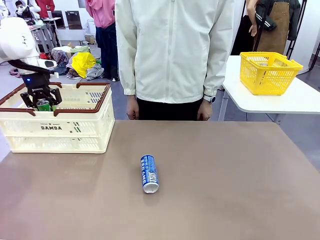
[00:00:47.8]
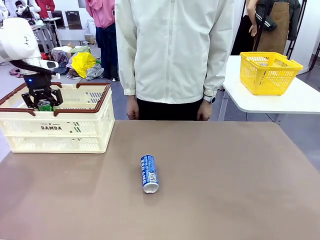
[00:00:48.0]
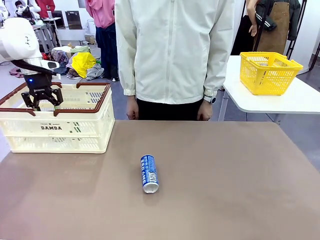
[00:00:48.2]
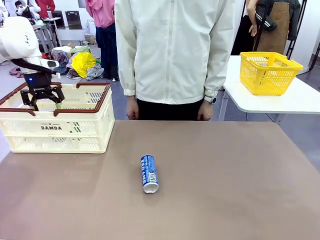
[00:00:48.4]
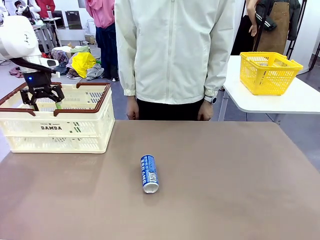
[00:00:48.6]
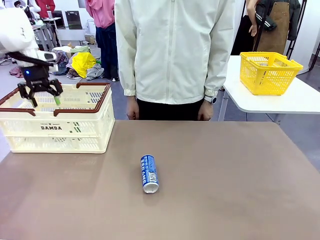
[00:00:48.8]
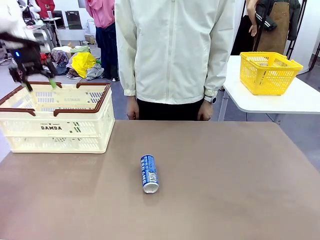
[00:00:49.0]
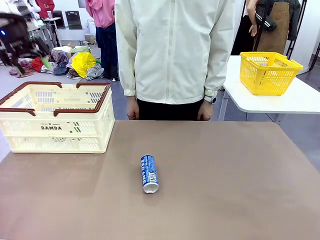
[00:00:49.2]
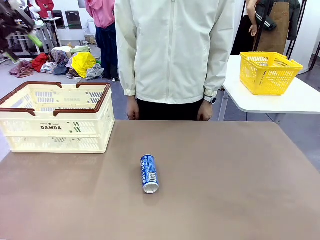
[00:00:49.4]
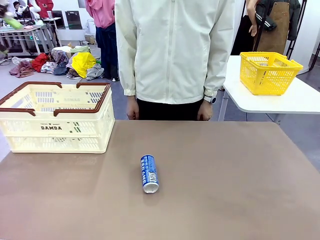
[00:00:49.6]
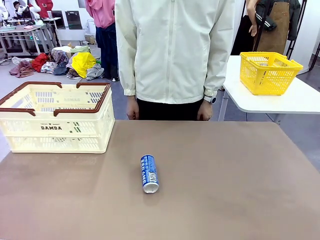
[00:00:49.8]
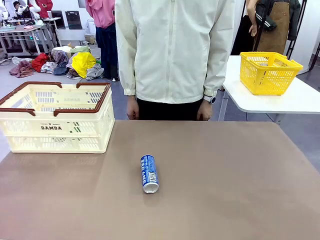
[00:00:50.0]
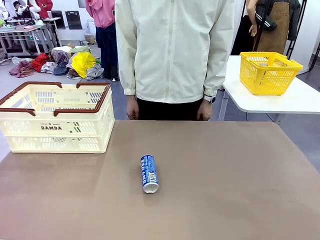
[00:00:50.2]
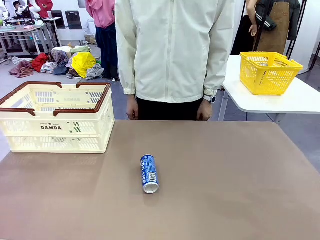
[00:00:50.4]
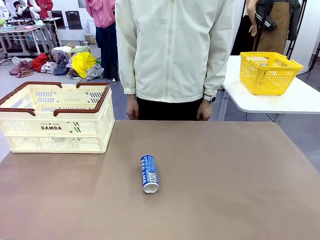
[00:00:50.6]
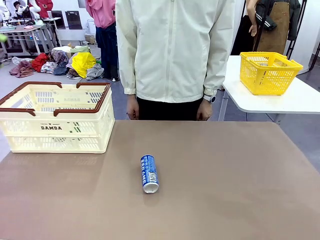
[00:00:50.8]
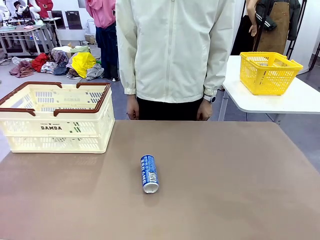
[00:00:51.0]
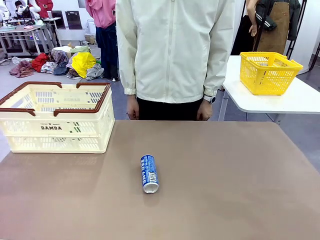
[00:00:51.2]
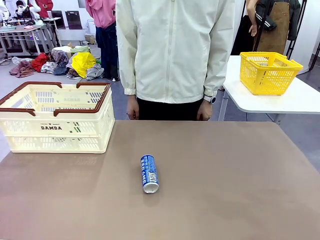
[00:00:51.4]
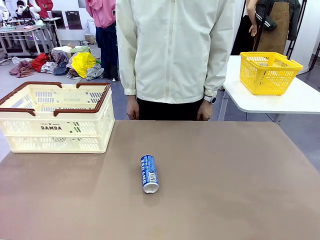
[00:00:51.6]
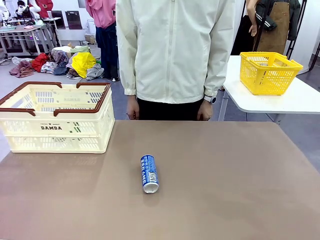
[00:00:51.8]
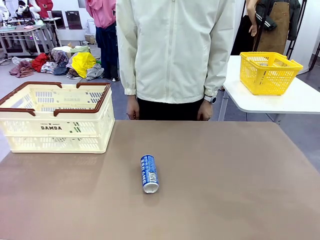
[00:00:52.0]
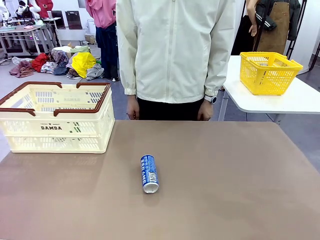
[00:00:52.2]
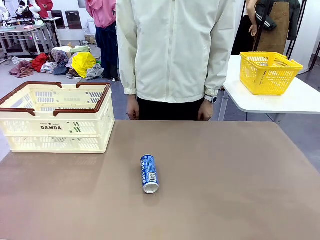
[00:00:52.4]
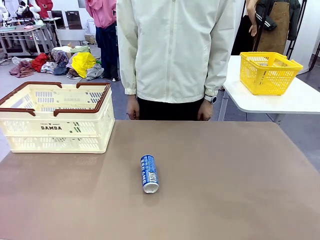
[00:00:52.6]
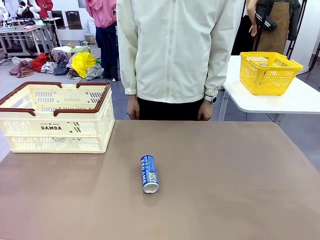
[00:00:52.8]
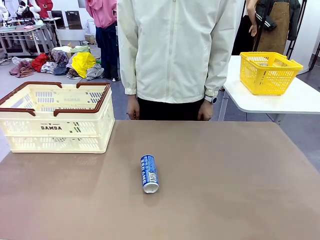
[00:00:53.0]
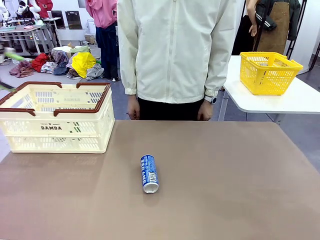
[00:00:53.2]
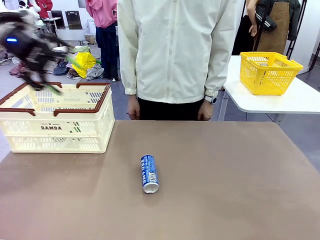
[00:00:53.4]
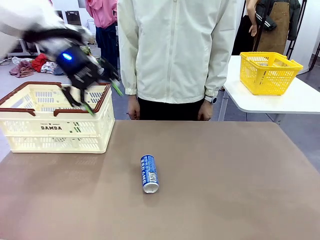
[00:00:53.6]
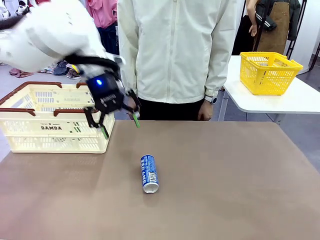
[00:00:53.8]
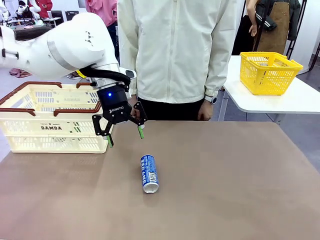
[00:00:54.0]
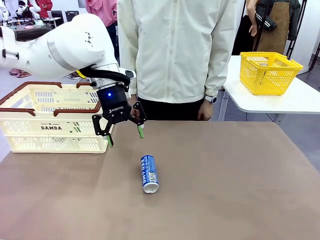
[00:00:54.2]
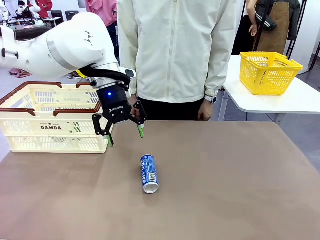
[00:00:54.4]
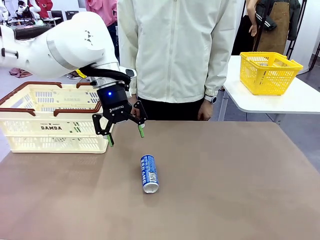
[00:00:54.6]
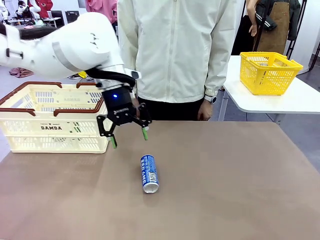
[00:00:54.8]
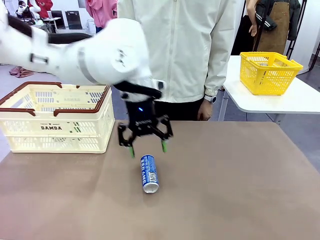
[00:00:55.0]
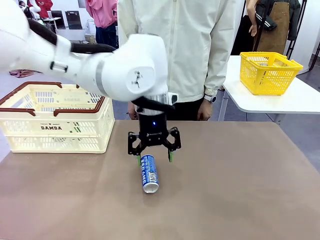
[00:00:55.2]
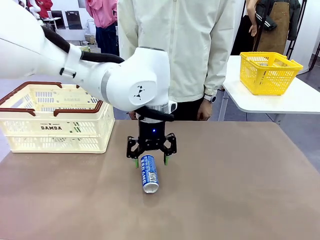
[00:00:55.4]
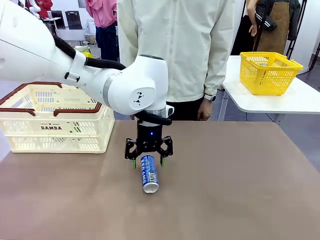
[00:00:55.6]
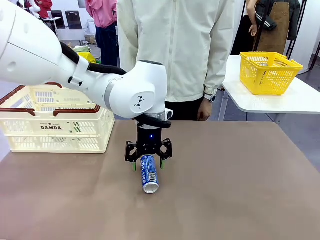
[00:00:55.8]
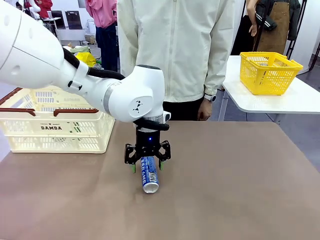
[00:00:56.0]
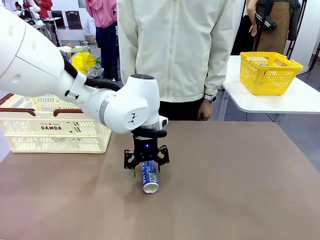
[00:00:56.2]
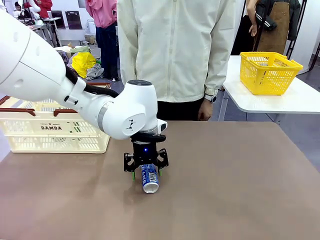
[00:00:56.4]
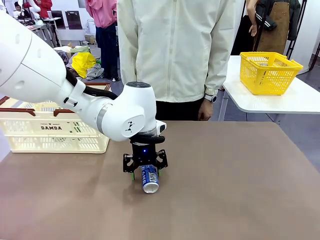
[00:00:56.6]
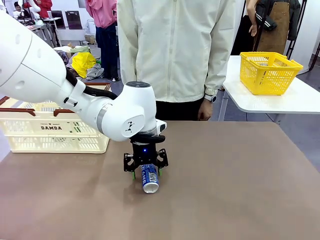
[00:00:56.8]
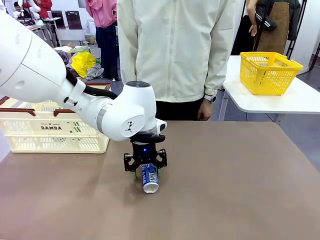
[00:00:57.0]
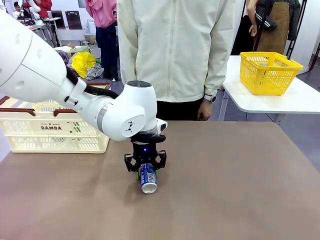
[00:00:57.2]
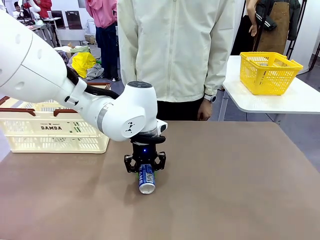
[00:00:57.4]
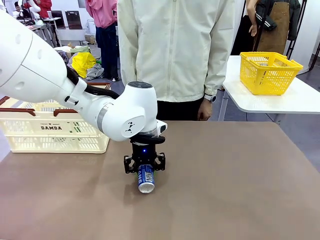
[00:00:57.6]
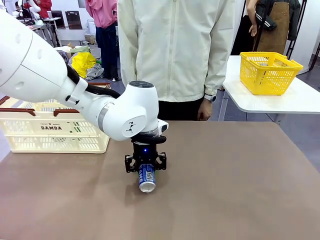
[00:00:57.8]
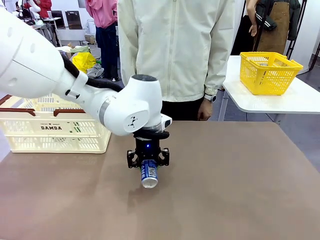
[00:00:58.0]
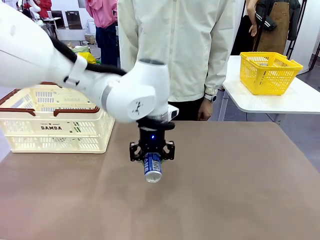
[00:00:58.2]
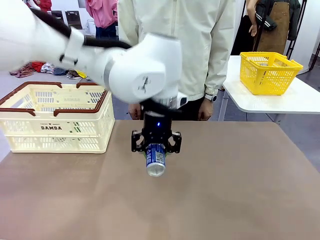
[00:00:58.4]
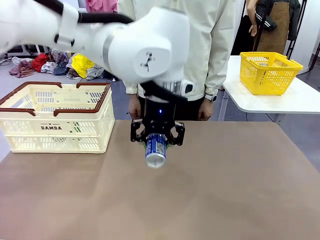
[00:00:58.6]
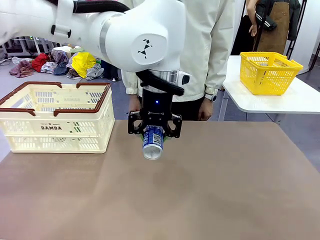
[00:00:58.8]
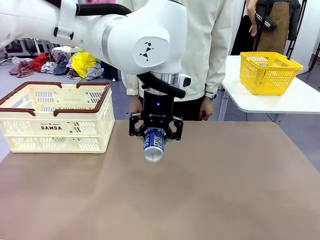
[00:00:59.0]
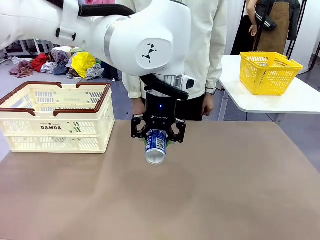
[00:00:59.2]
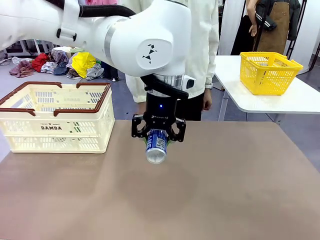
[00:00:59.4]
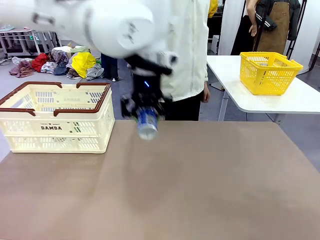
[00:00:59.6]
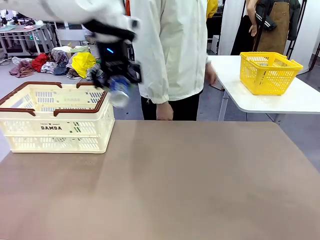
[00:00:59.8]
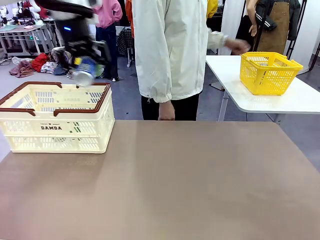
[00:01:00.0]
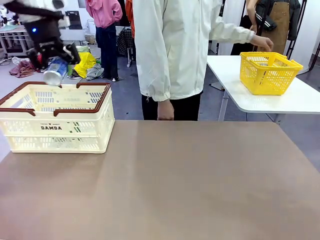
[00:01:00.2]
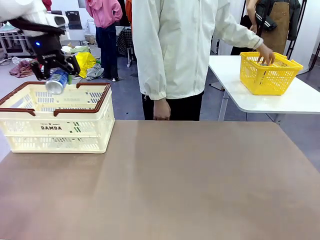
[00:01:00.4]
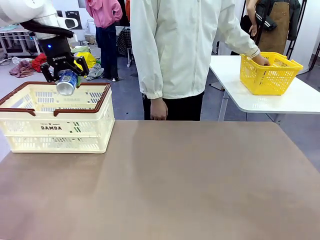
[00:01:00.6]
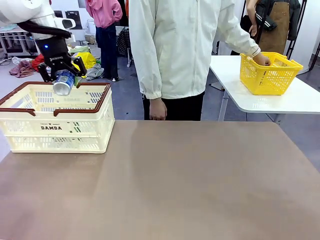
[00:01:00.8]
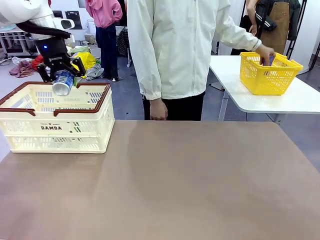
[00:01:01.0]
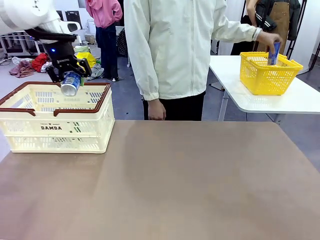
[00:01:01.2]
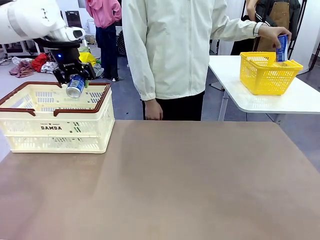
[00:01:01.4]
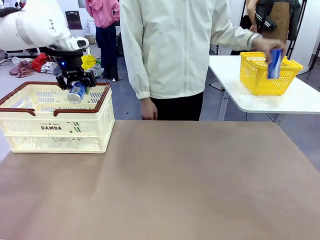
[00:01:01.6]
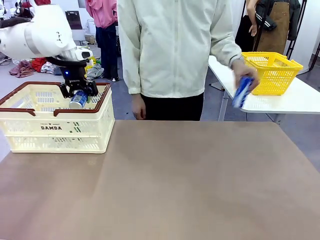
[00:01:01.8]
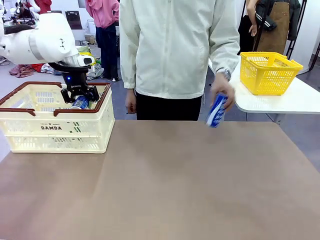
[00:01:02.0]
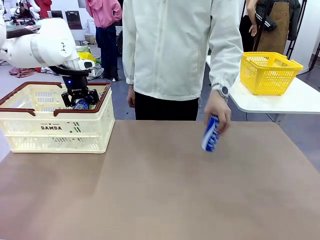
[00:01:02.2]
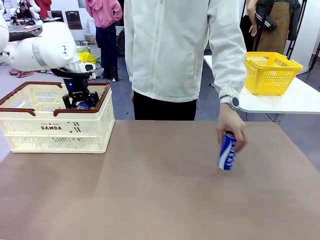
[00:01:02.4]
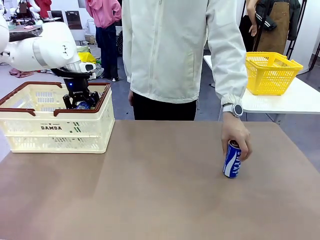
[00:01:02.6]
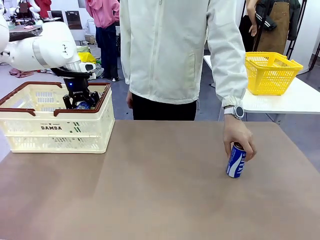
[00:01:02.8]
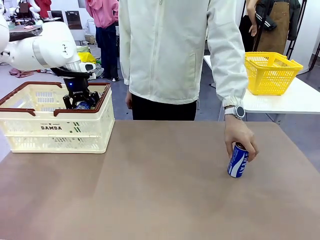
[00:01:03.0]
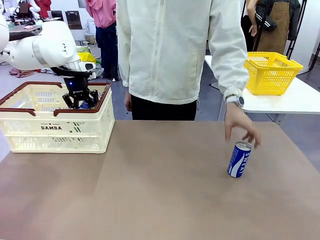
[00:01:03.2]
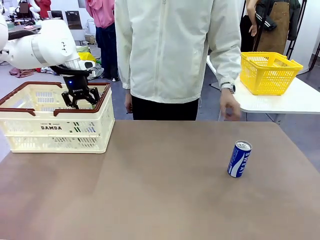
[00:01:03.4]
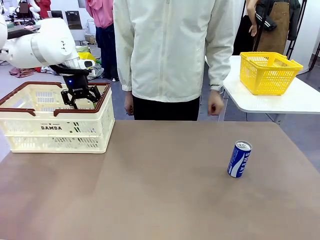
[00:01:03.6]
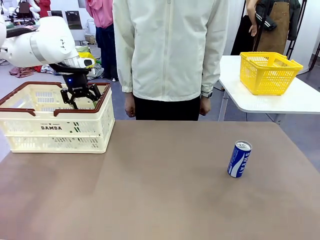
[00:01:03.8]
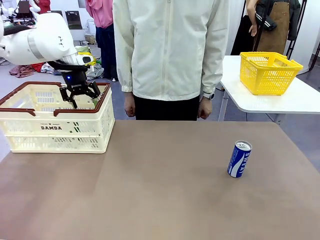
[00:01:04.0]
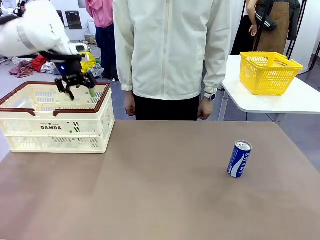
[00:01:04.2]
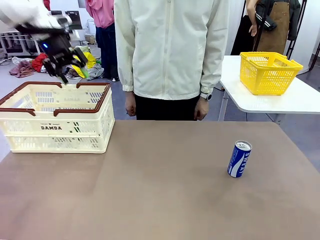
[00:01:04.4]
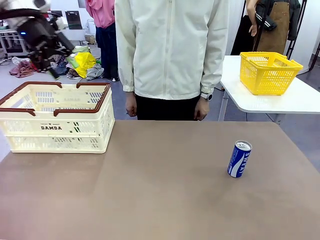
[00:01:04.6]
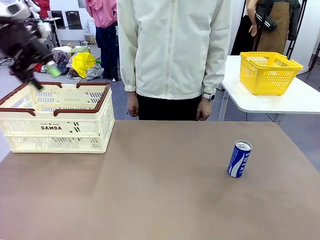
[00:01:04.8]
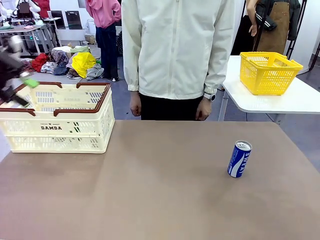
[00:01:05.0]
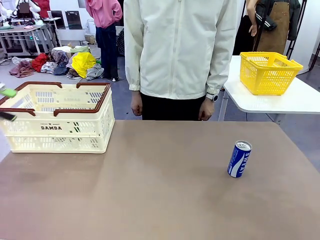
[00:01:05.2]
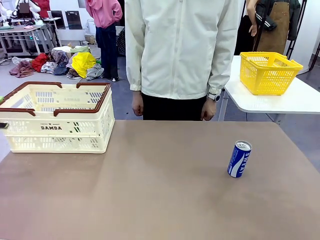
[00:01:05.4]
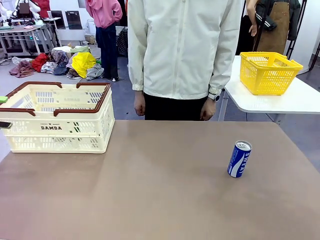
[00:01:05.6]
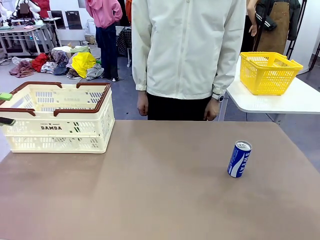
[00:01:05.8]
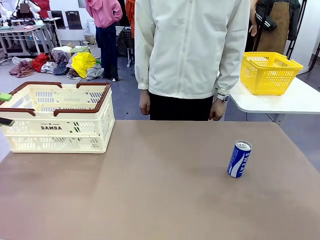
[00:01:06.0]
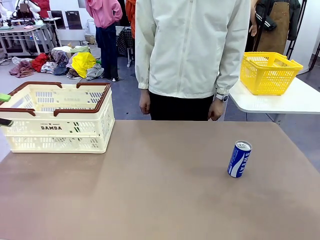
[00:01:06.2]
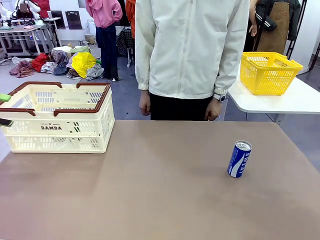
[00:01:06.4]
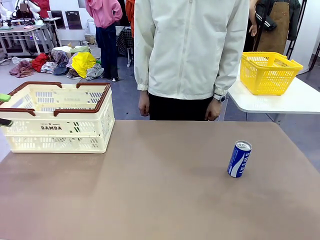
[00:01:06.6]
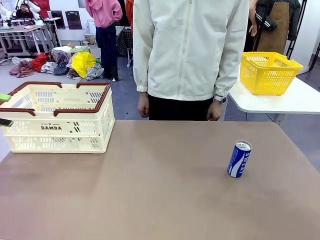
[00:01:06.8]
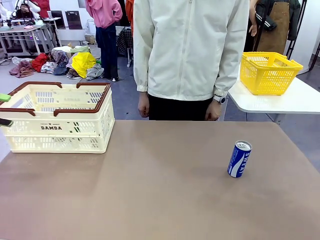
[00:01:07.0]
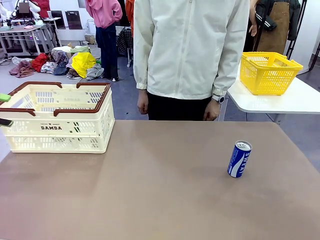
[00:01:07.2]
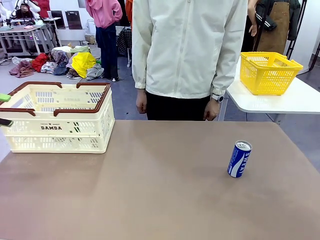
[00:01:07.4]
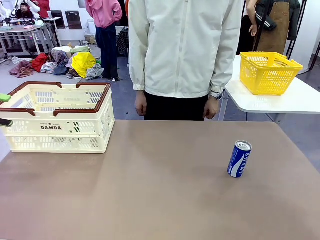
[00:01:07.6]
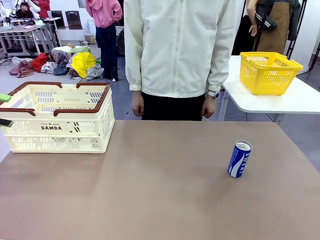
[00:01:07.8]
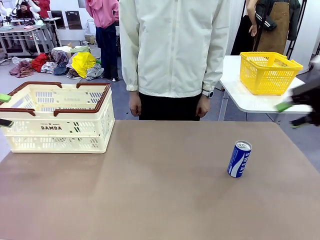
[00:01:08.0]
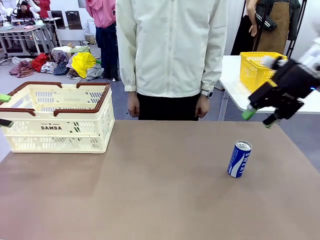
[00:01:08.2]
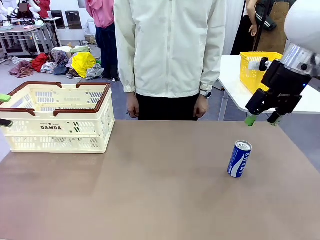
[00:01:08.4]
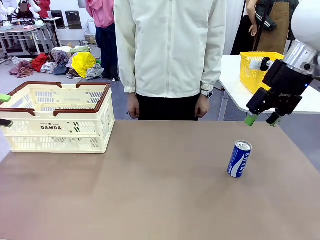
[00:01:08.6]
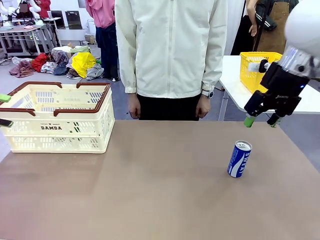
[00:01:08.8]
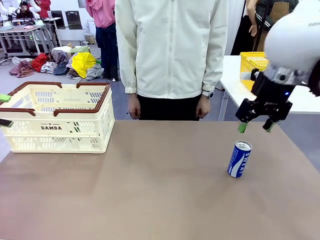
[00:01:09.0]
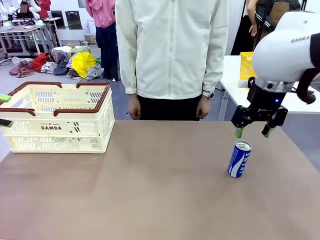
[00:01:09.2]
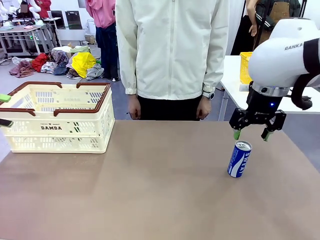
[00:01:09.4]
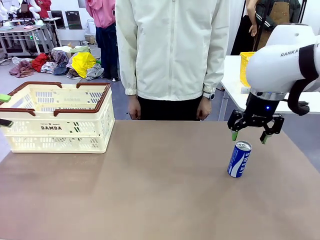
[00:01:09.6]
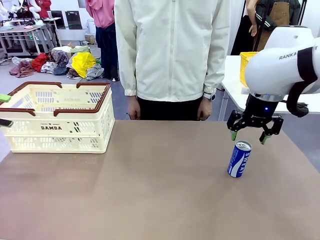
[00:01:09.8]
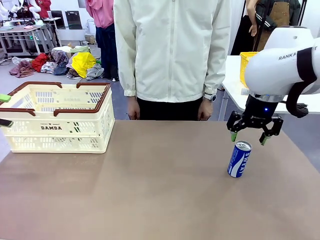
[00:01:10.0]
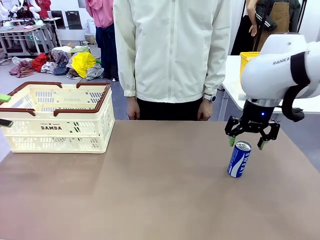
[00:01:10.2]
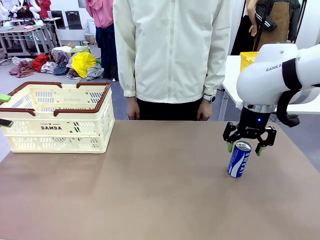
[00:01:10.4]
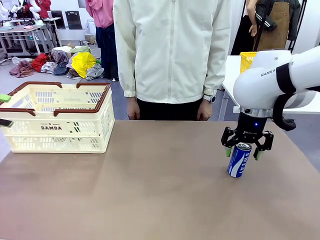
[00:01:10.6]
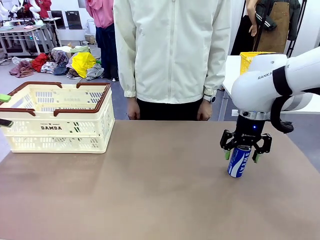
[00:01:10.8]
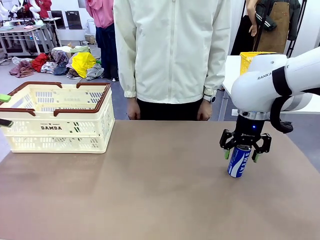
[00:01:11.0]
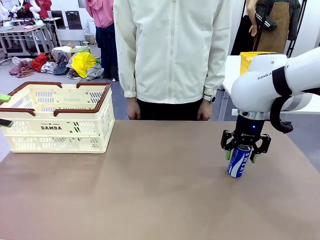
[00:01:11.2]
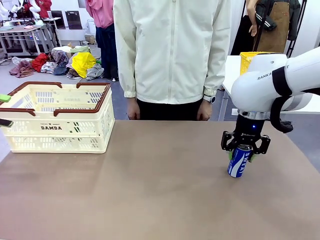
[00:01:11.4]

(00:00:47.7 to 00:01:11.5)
Task: Place the drinks into the Shopping basket.
Robot: Pick up one drink and place it into the Shopping basket.
